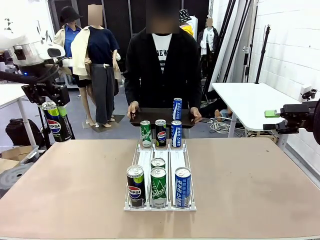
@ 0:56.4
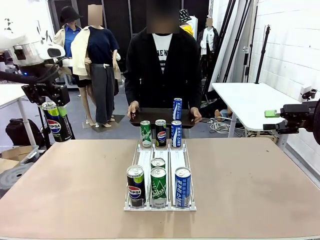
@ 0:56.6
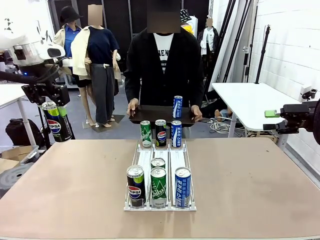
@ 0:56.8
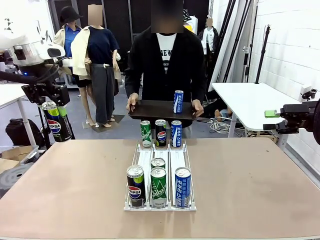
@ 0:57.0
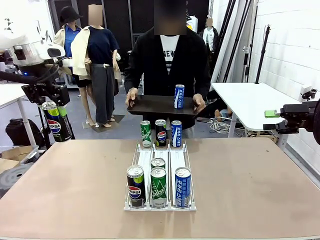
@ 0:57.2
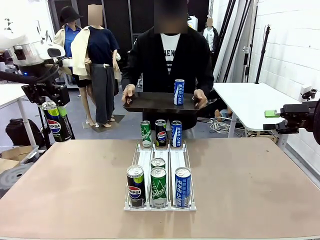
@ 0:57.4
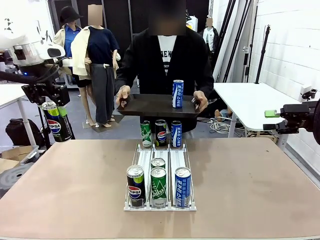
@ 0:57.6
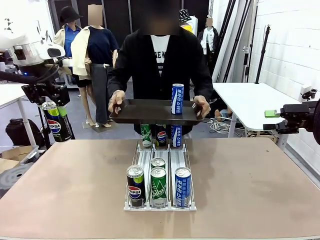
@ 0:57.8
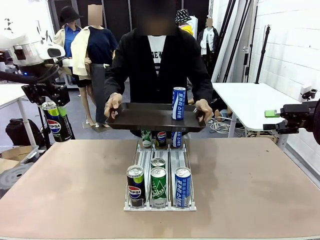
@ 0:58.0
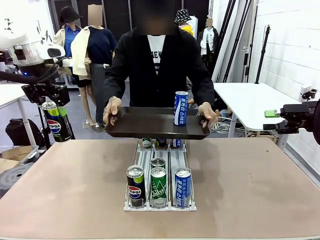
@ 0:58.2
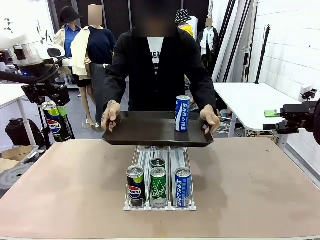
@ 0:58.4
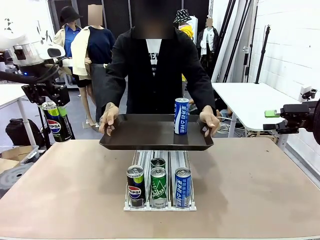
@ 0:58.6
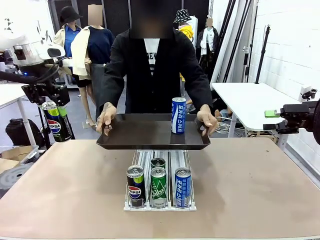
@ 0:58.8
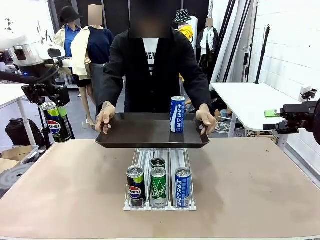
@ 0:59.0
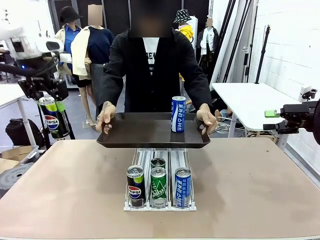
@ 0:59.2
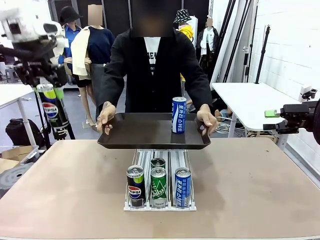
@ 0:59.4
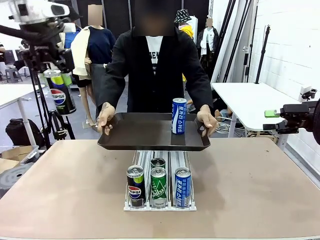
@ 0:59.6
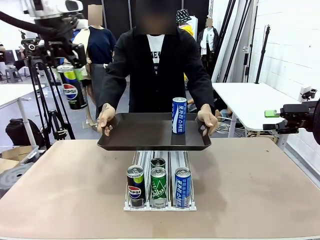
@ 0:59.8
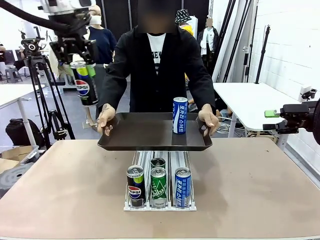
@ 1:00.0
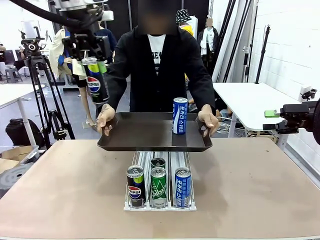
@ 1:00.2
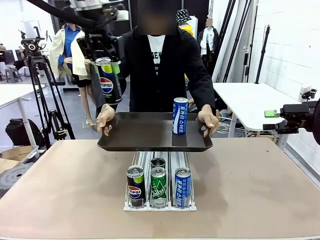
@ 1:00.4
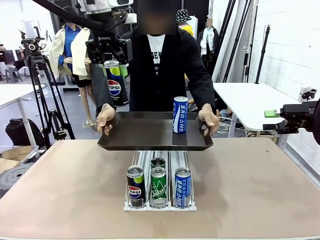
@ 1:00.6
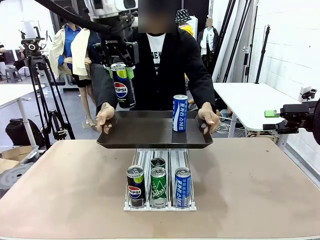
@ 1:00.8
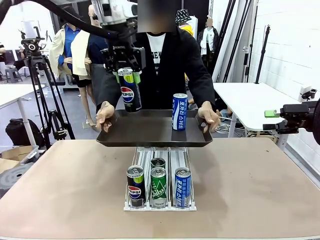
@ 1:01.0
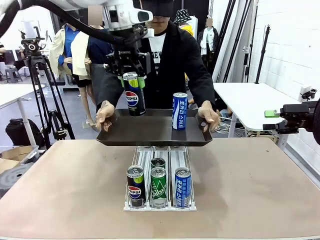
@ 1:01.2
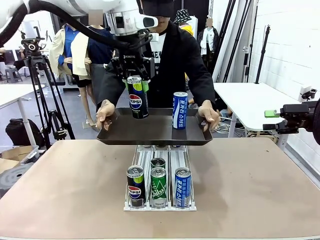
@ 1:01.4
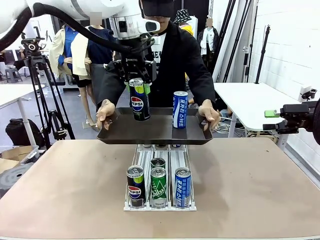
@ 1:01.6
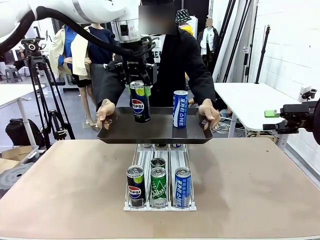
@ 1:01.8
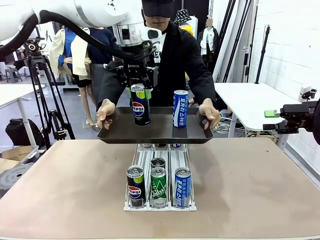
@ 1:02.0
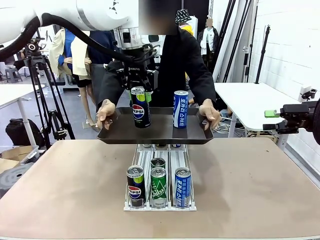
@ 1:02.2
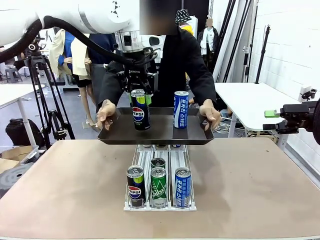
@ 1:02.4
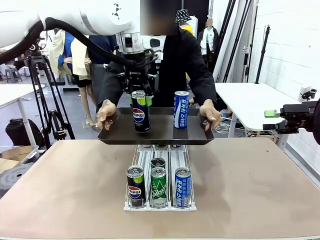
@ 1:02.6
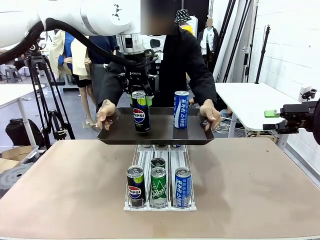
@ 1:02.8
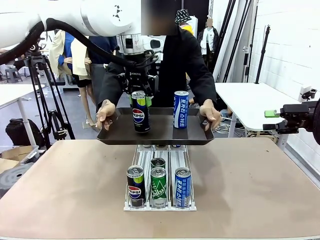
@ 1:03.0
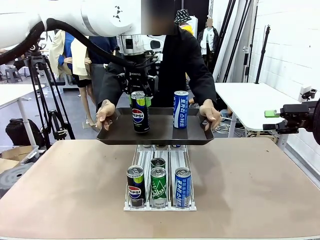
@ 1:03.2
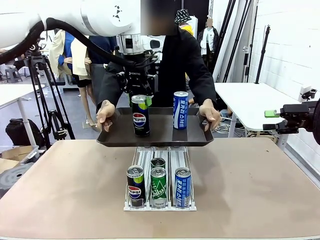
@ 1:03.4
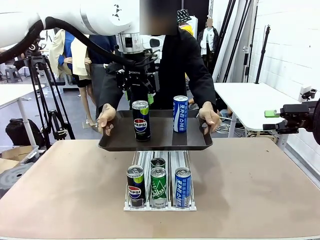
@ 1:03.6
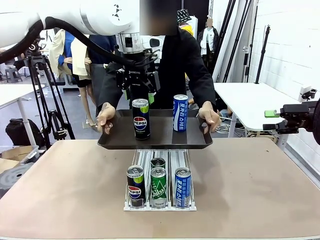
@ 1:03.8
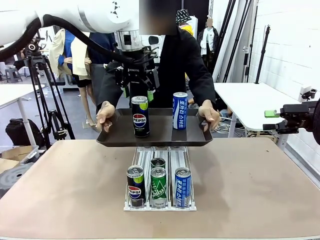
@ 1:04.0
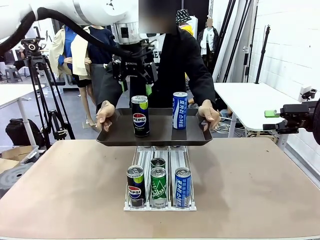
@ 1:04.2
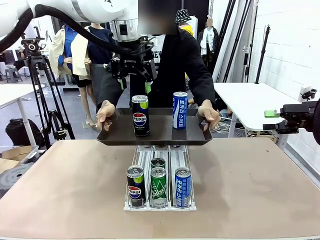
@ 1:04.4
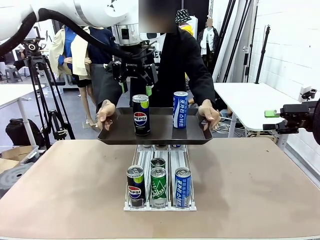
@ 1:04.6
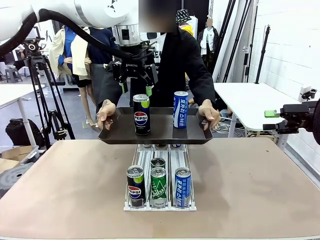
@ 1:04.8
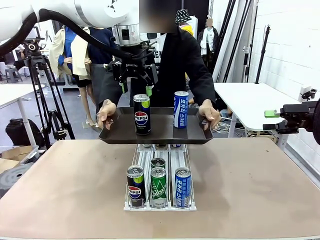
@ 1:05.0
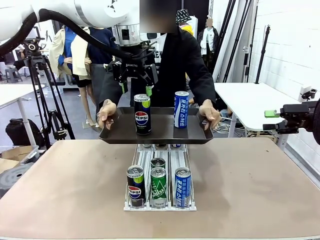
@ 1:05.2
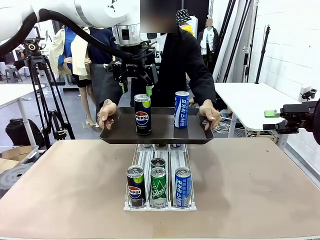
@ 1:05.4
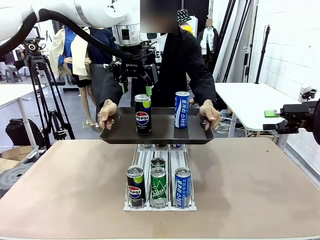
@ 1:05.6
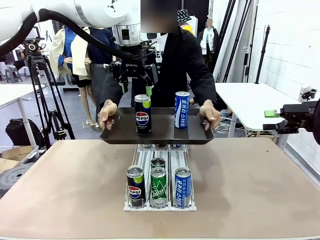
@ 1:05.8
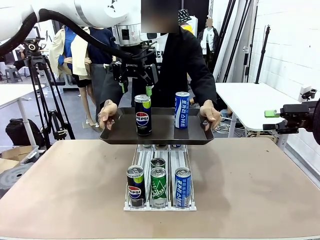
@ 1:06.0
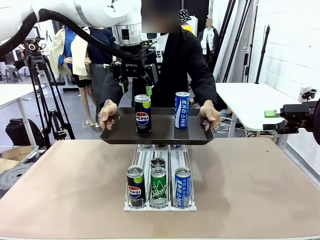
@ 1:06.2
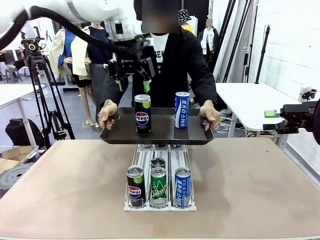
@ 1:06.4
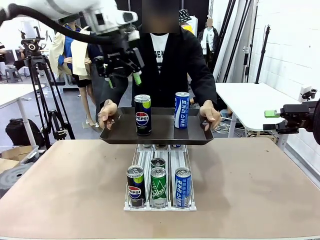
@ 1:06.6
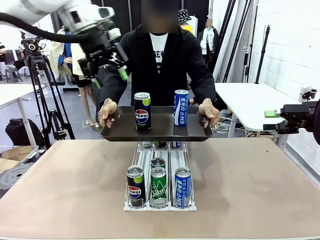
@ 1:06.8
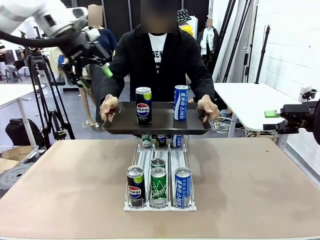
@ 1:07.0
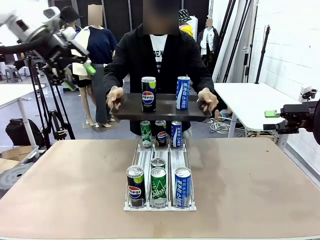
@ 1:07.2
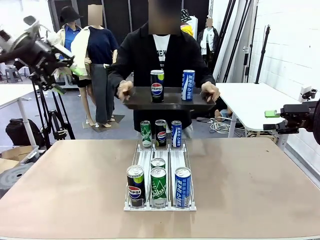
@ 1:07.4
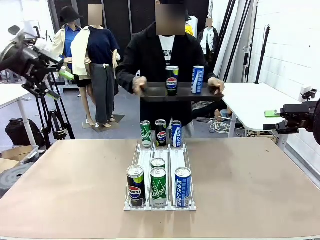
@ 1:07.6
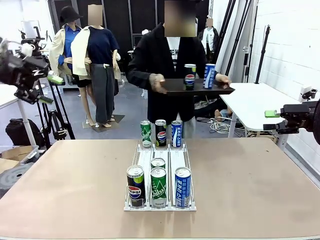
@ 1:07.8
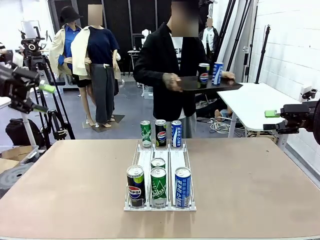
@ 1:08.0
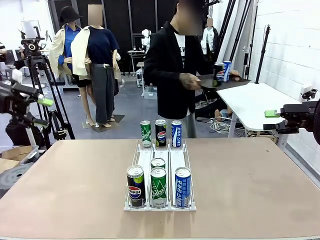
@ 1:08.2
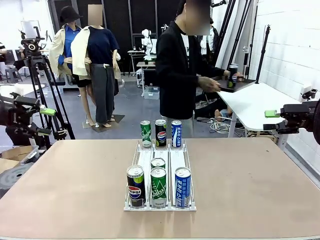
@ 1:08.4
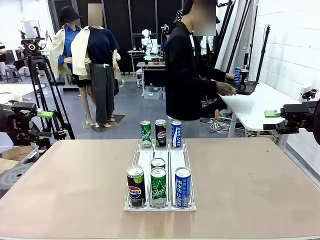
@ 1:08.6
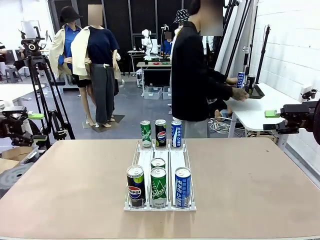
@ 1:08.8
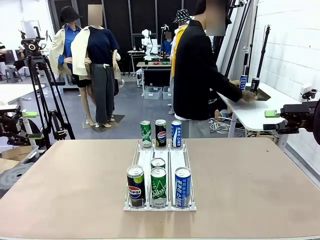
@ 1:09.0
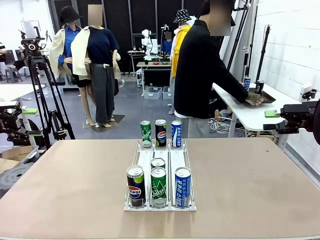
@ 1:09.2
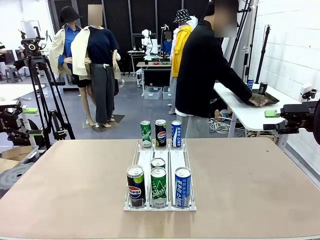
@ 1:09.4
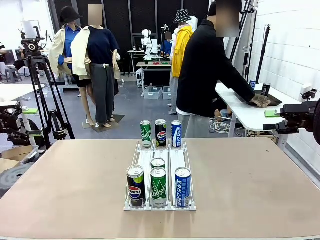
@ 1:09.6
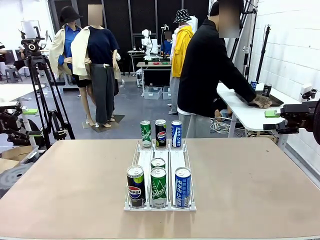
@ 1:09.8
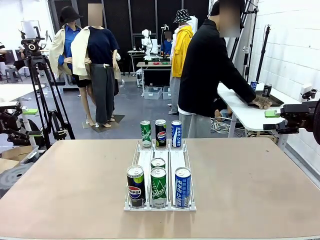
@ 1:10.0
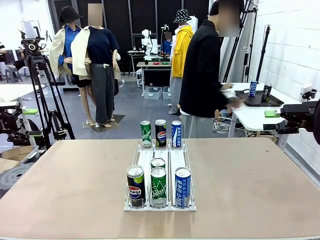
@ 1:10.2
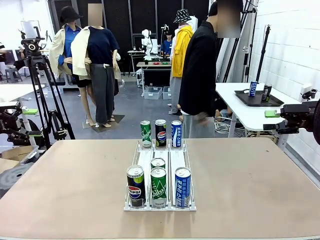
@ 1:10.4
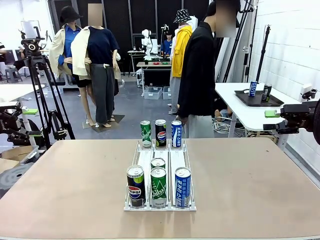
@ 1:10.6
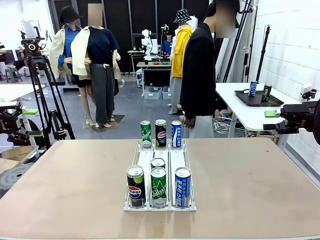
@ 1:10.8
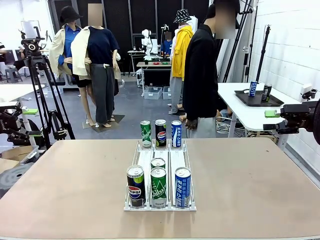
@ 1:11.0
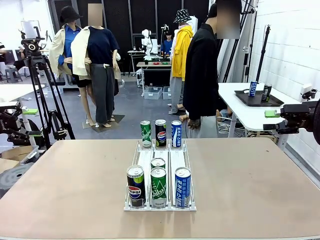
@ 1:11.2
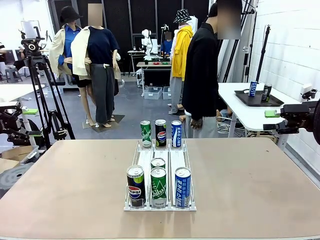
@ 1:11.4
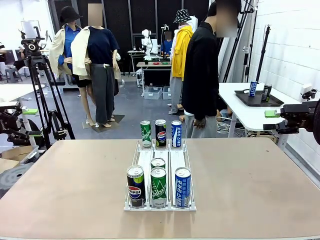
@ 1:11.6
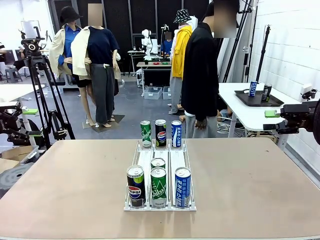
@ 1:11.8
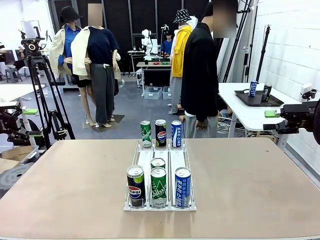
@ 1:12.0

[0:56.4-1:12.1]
Task: Retrieve and hand over the desired beverage to the person.
Robot: Place the picked can on the Handle tray extended by the person.
Person: Pull the tray back and place it at the center of the human table.
